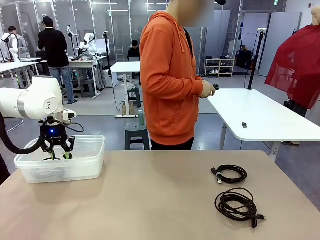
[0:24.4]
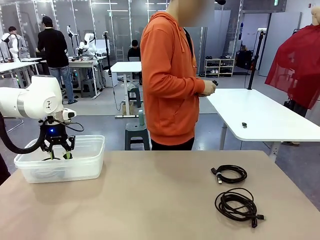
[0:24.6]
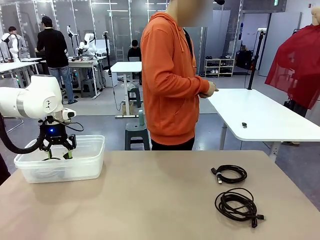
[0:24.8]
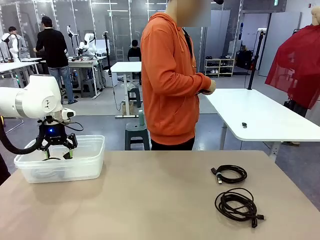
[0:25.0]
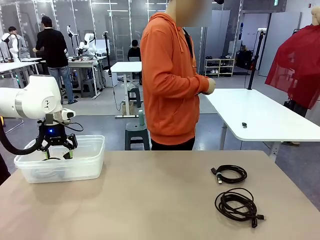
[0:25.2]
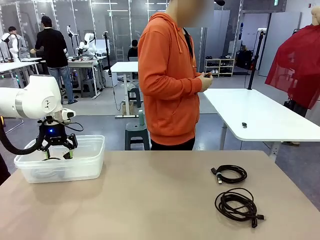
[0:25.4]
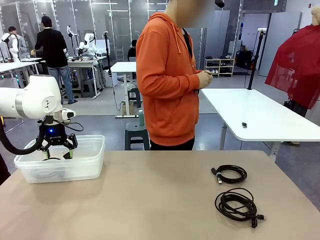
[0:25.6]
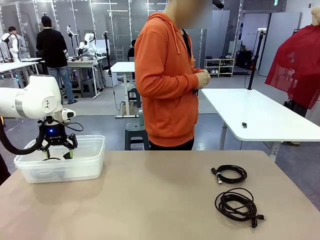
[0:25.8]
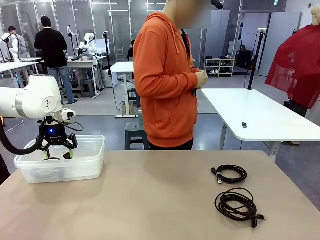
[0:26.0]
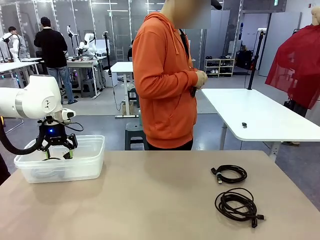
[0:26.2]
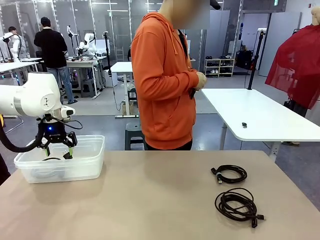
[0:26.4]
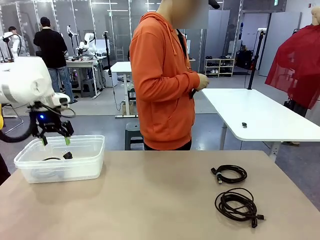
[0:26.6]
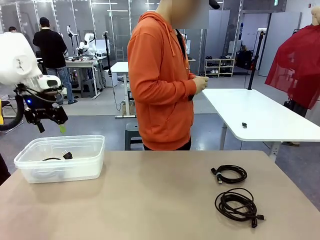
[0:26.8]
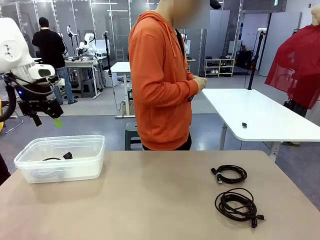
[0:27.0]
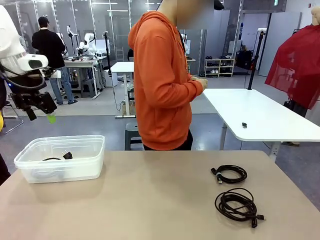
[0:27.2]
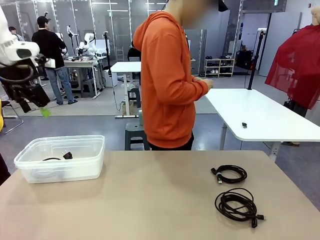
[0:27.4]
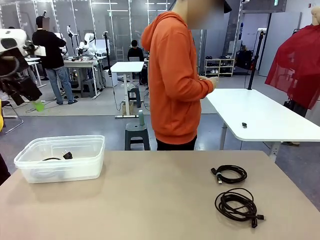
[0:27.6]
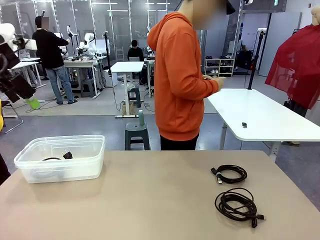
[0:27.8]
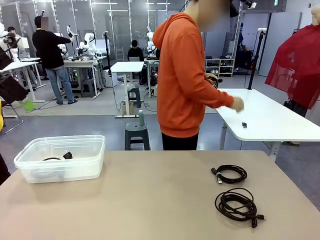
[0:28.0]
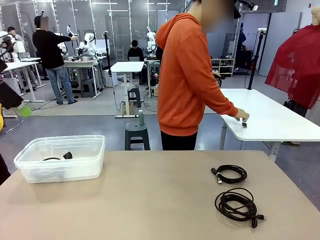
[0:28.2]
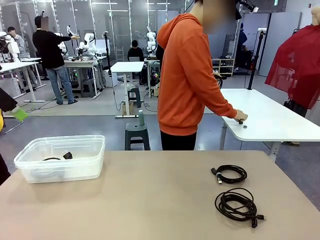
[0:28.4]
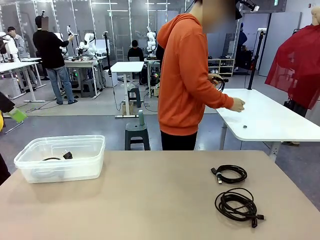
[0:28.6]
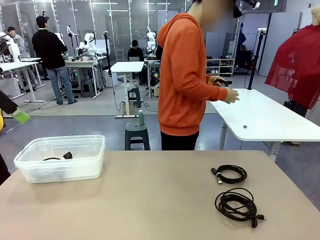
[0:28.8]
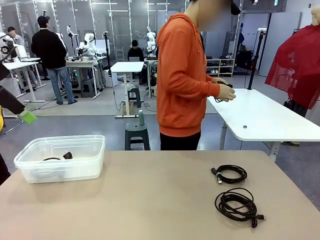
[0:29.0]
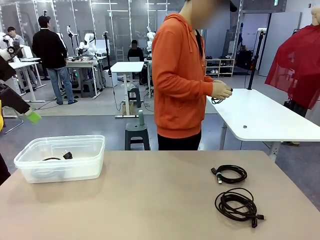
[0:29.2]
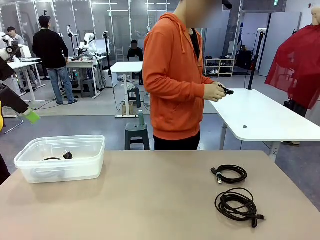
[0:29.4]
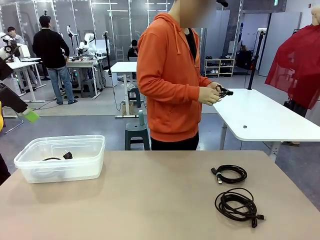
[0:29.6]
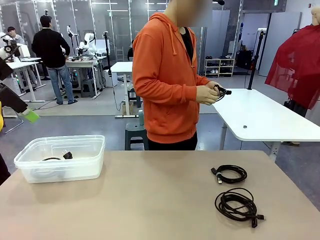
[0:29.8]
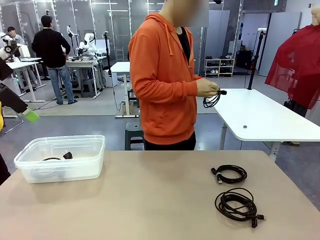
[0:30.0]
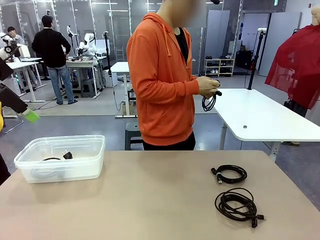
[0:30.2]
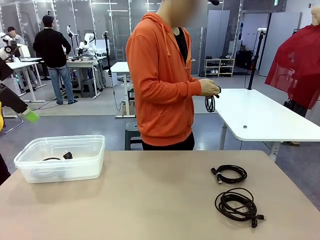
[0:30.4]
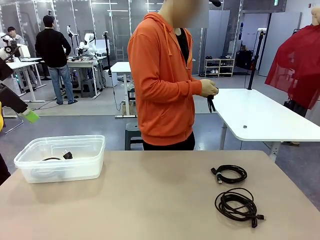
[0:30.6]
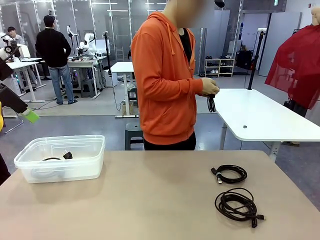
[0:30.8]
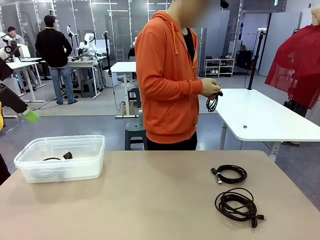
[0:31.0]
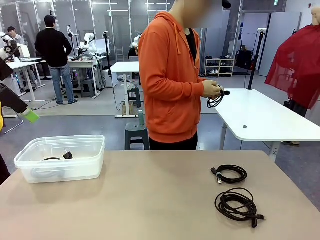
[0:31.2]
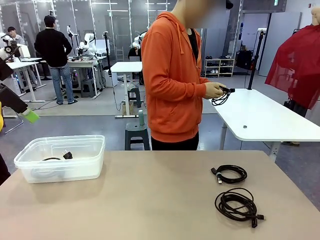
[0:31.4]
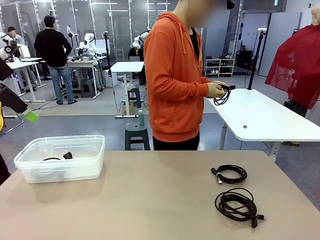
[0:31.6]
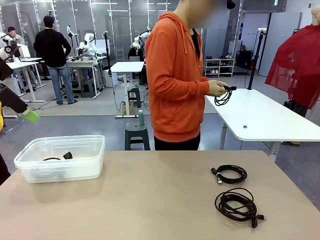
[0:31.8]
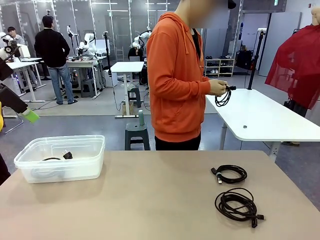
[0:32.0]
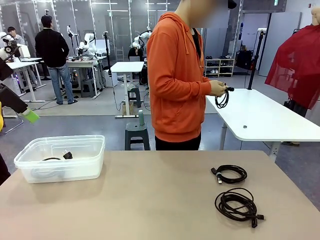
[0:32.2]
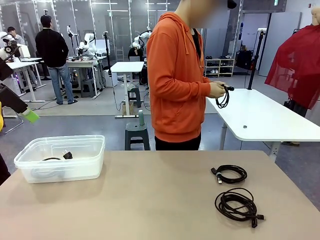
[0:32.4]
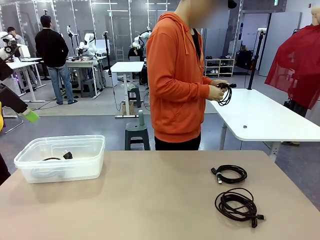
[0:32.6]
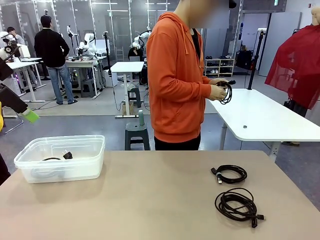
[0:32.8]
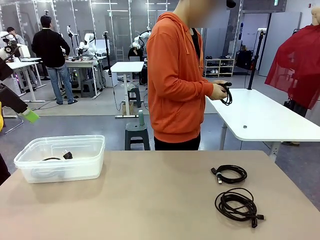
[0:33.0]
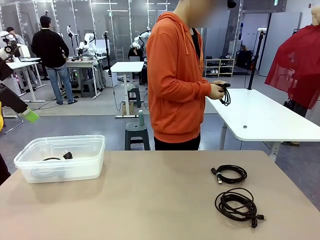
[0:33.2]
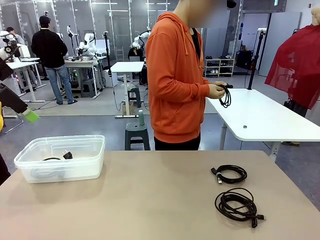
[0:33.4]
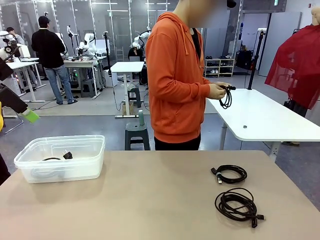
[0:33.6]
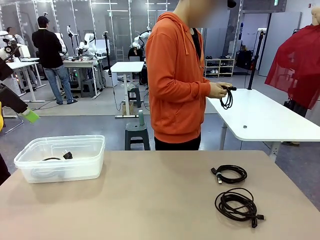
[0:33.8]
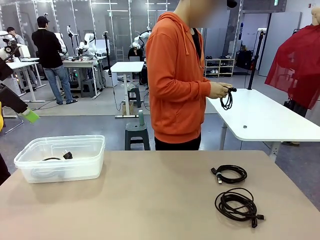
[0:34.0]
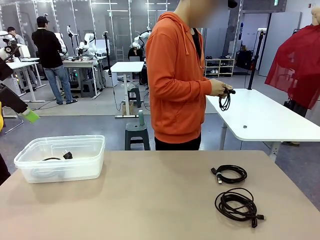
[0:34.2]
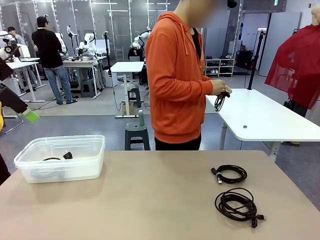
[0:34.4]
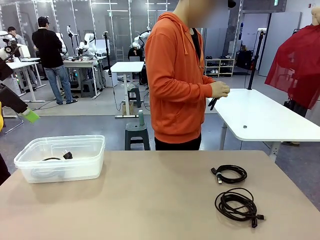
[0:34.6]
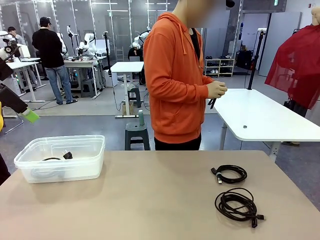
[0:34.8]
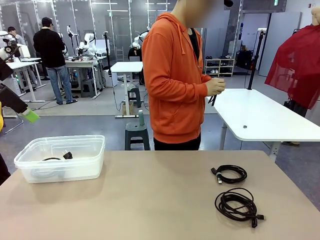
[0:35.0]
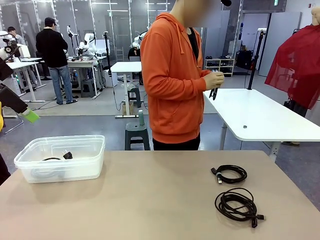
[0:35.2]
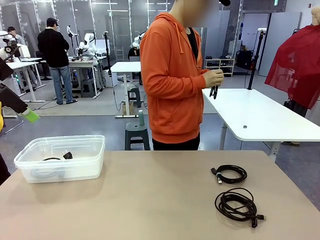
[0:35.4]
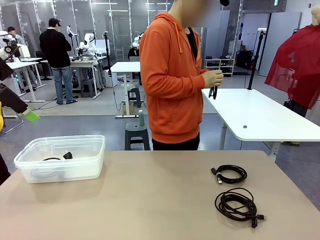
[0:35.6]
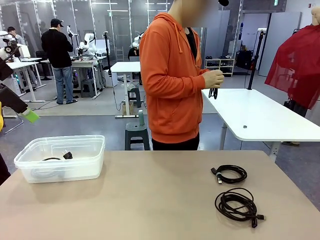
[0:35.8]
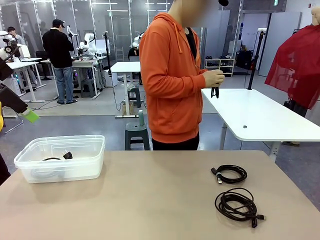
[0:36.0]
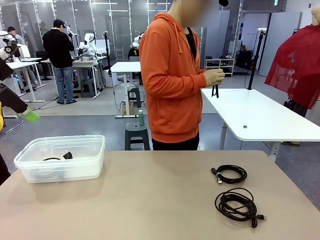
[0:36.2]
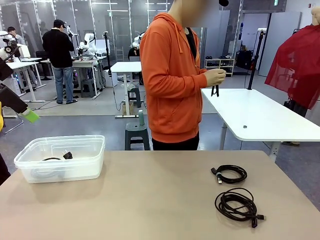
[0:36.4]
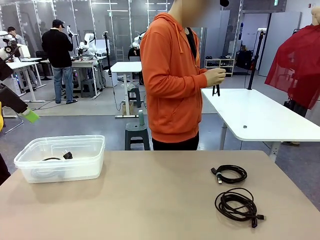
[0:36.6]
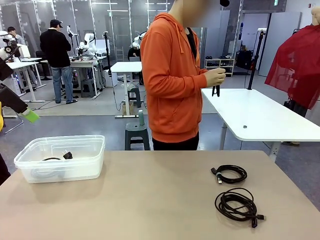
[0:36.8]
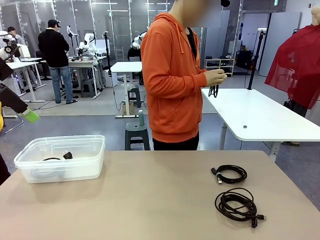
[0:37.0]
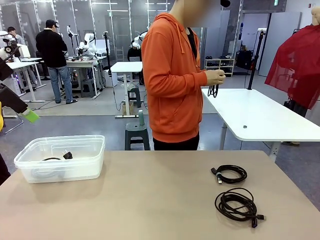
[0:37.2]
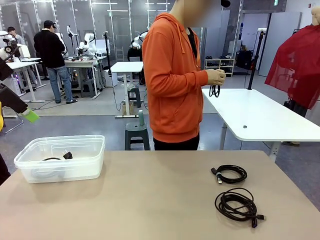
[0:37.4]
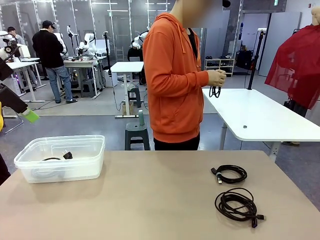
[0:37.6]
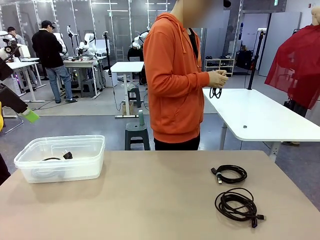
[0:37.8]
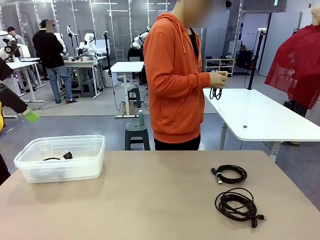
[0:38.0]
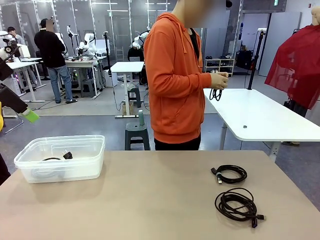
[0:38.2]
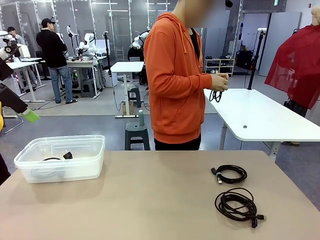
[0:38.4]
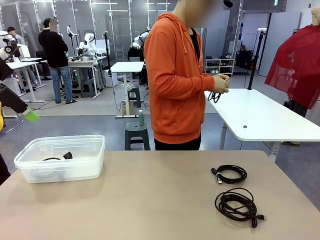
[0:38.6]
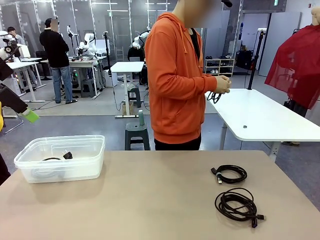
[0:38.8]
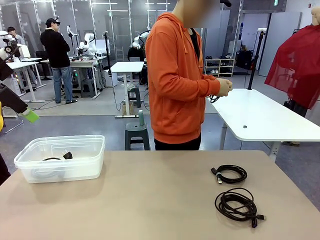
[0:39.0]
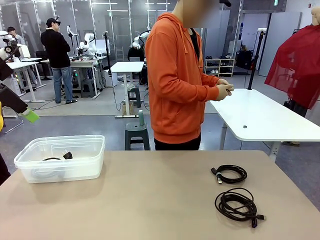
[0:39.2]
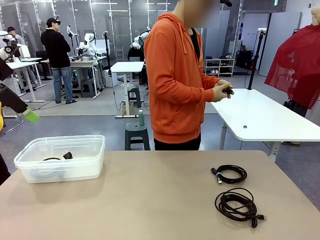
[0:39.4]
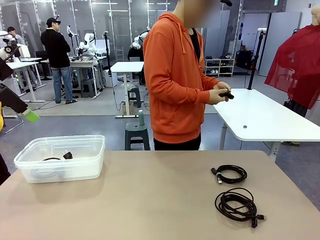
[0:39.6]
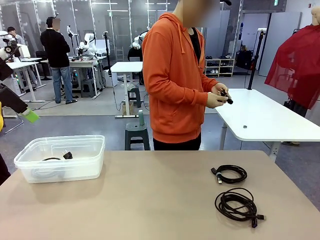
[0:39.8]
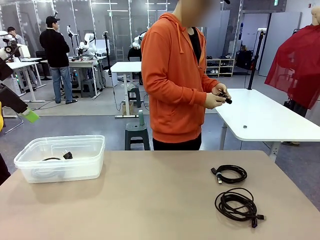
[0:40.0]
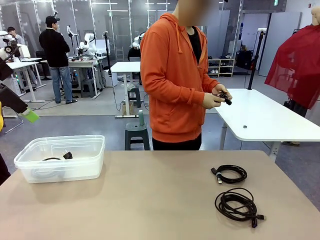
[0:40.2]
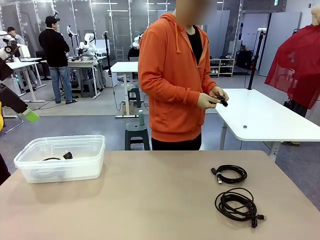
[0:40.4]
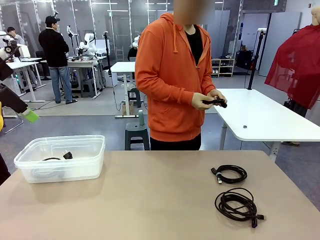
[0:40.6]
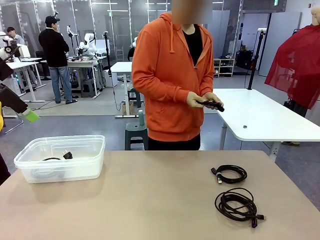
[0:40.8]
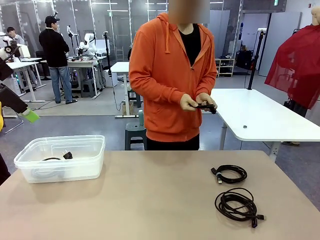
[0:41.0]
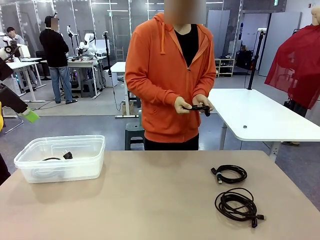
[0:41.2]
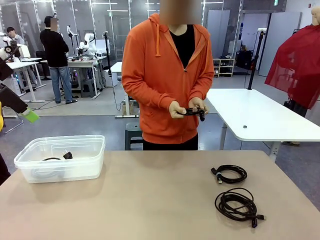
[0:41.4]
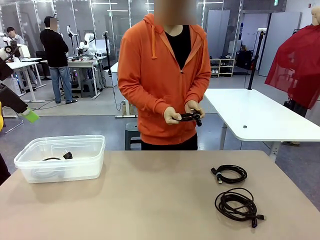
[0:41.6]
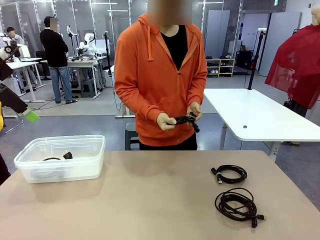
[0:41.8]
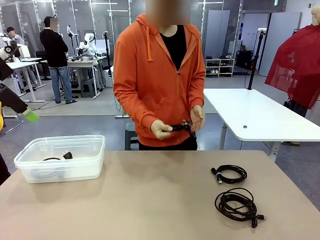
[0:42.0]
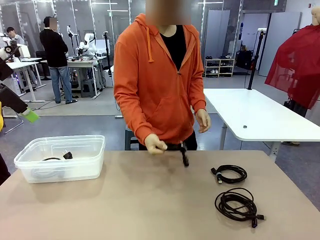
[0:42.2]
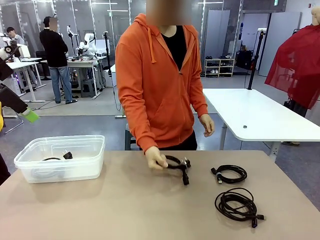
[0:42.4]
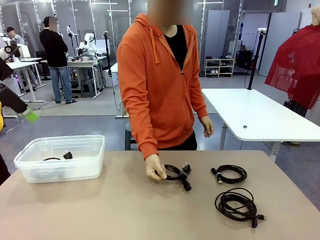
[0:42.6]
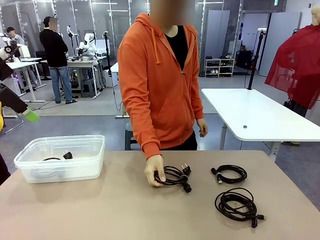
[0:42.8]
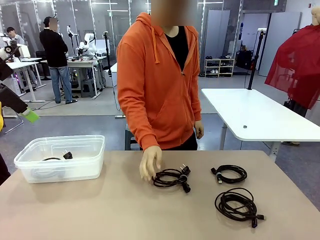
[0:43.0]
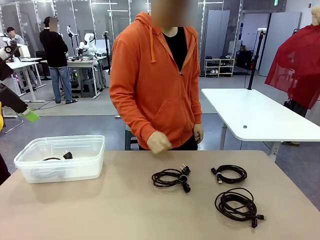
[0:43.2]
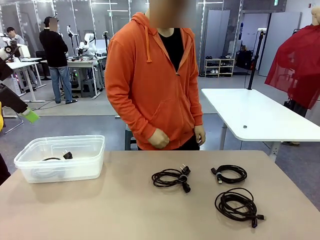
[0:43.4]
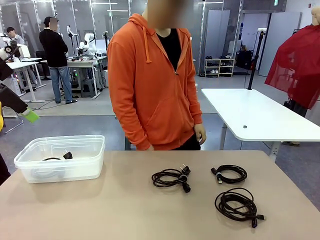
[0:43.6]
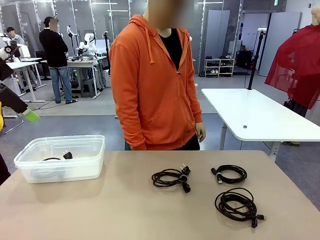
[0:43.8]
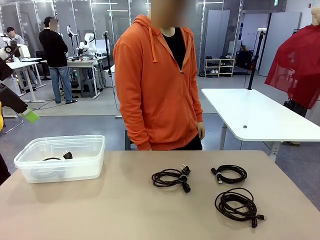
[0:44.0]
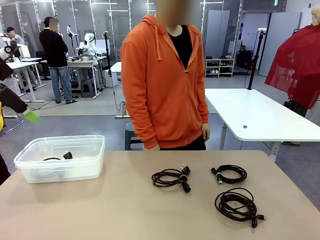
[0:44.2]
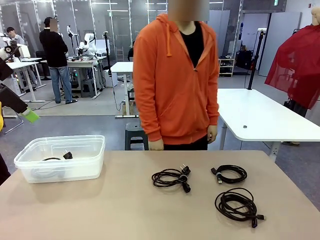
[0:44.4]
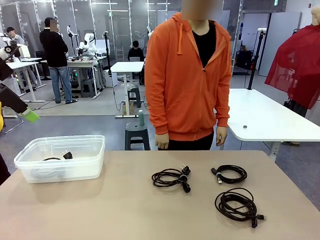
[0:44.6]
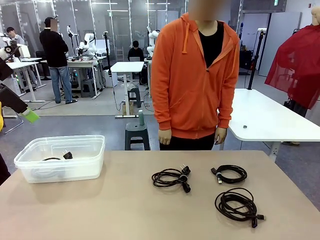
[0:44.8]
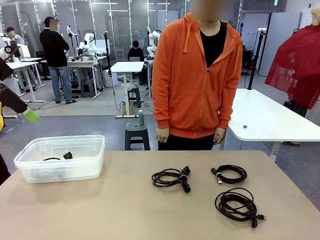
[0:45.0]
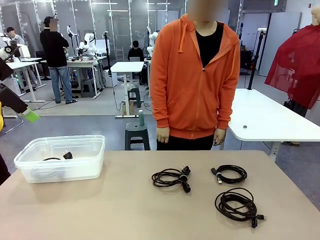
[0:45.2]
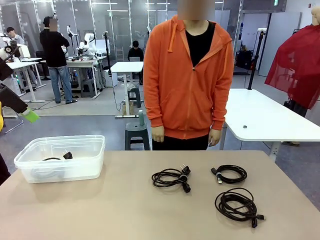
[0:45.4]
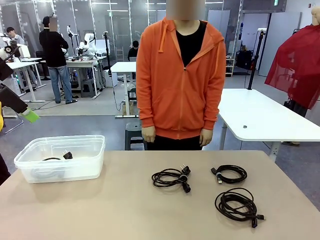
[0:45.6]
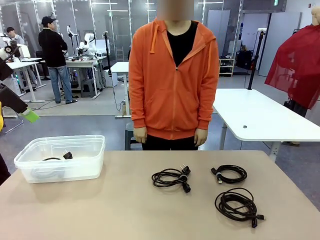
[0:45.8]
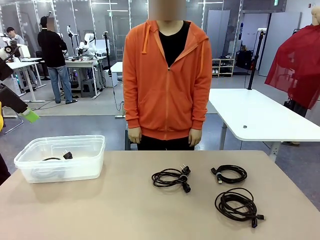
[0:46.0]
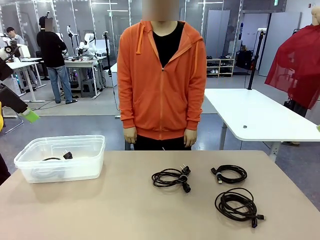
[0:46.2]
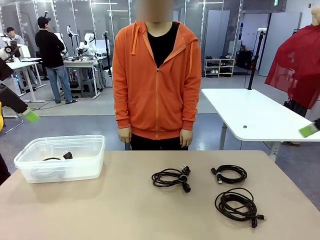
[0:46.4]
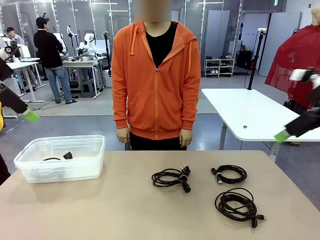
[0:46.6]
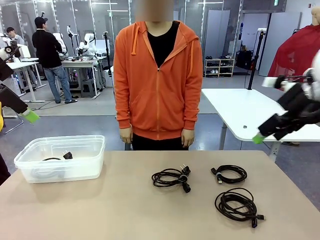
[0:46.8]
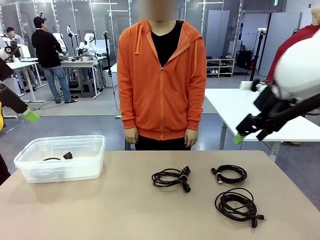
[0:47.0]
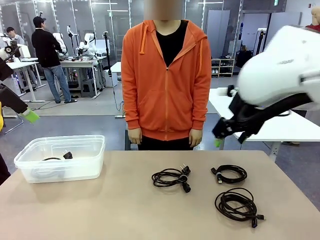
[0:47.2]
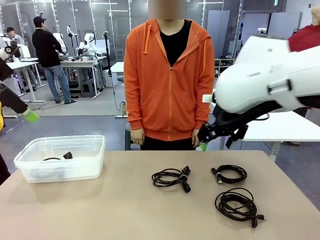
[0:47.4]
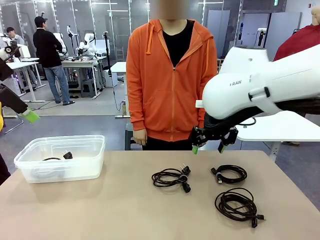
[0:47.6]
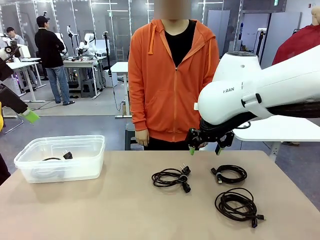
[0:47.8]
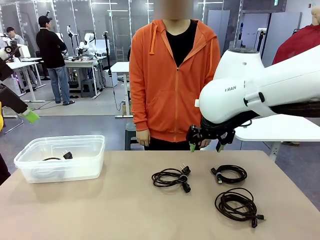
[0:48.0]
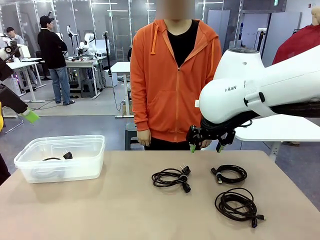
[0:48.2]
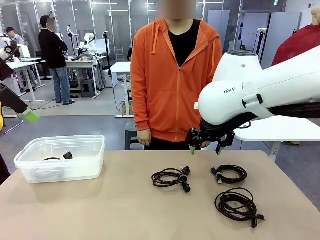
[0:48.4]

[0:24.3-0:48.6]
Task: Organize and store the cables.
Robot: Place the Power Cable into the Organizing box.
